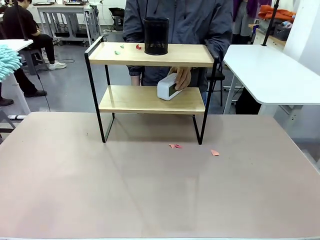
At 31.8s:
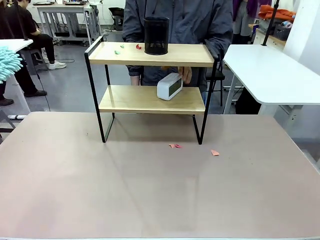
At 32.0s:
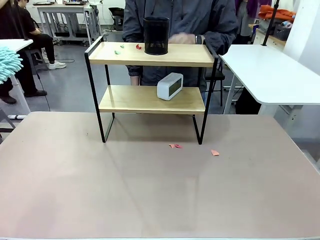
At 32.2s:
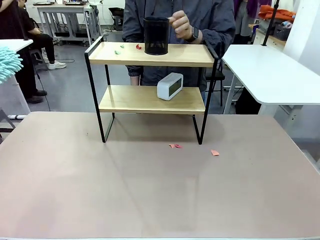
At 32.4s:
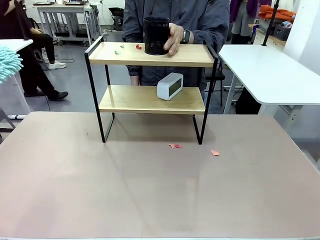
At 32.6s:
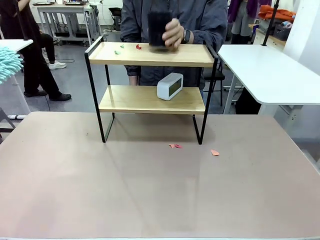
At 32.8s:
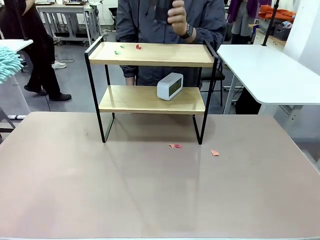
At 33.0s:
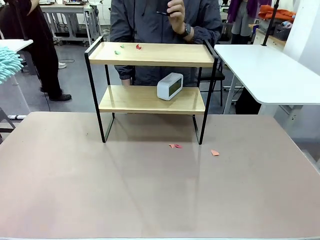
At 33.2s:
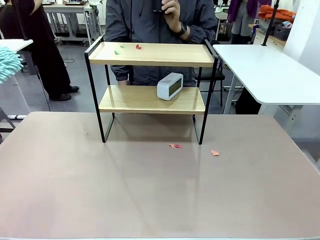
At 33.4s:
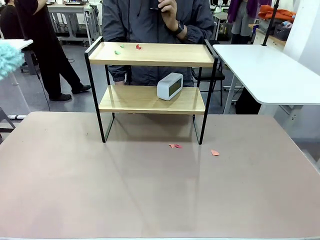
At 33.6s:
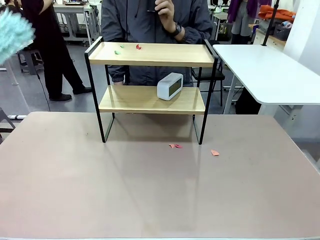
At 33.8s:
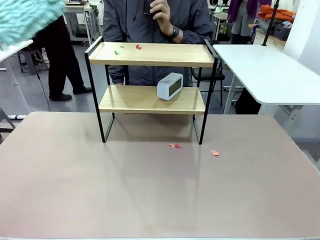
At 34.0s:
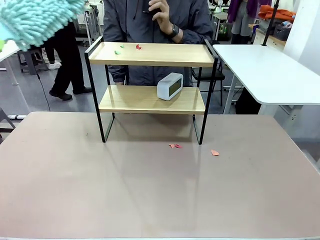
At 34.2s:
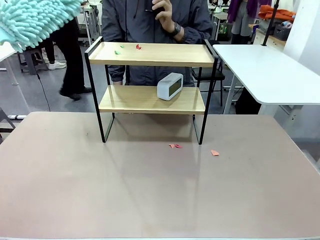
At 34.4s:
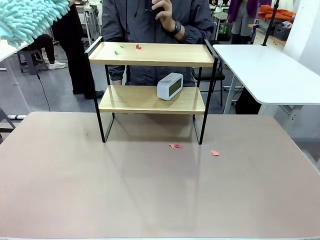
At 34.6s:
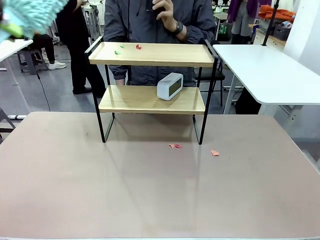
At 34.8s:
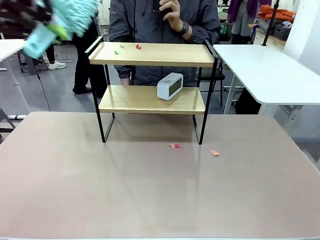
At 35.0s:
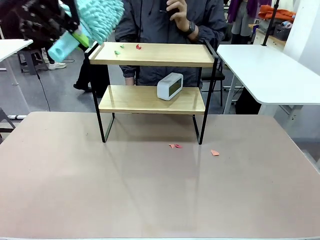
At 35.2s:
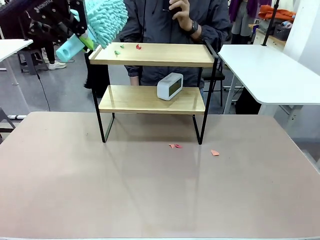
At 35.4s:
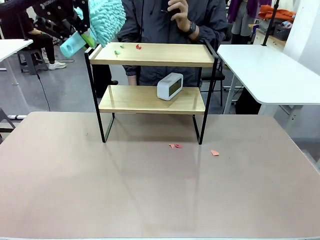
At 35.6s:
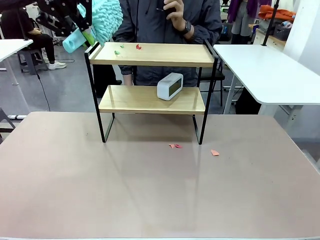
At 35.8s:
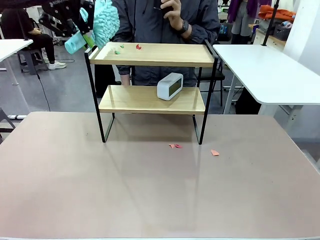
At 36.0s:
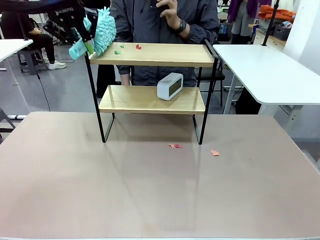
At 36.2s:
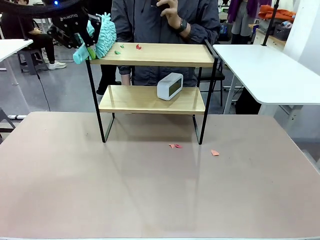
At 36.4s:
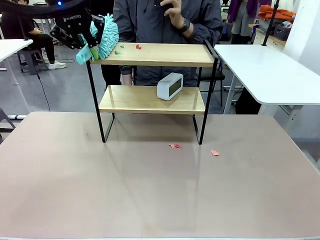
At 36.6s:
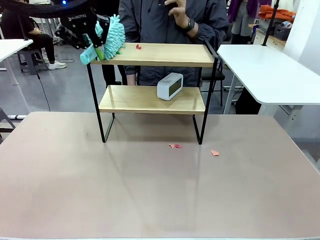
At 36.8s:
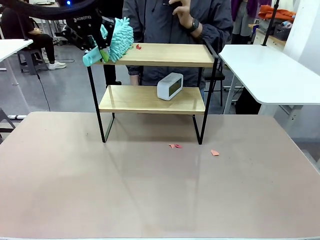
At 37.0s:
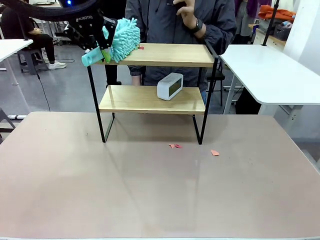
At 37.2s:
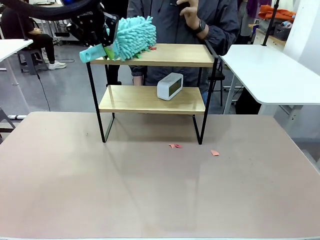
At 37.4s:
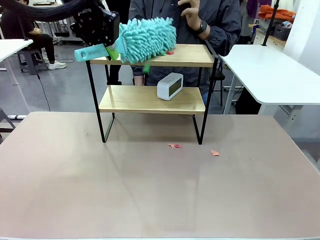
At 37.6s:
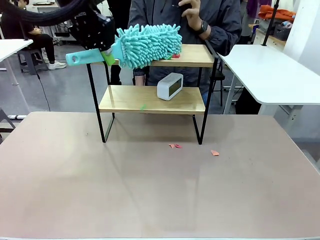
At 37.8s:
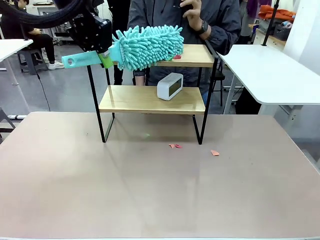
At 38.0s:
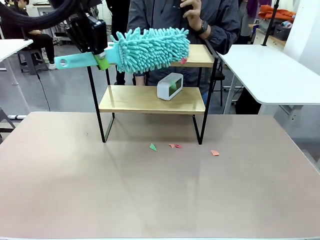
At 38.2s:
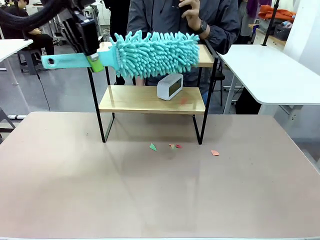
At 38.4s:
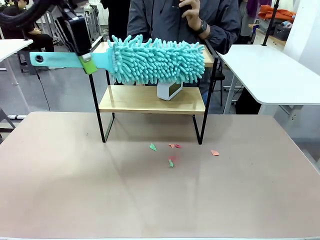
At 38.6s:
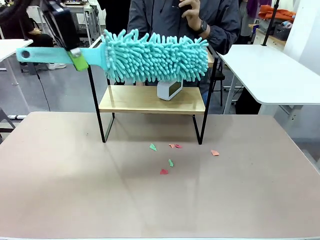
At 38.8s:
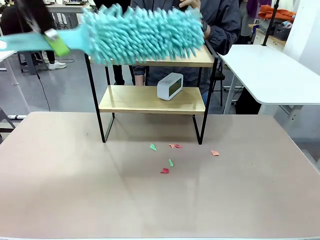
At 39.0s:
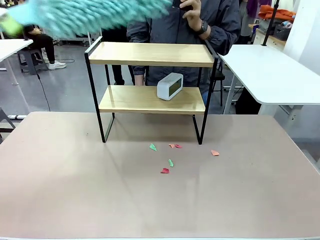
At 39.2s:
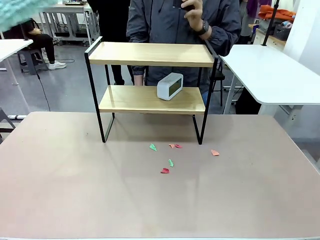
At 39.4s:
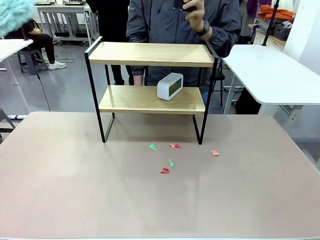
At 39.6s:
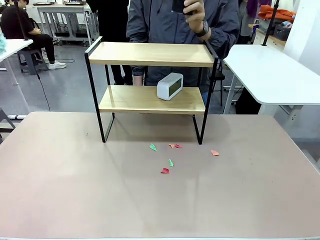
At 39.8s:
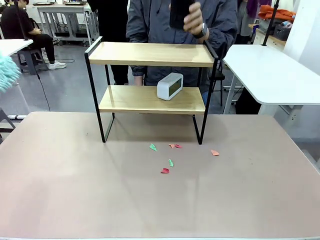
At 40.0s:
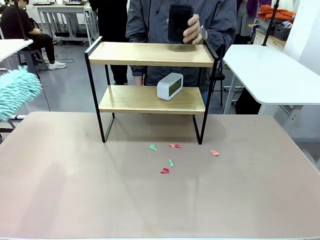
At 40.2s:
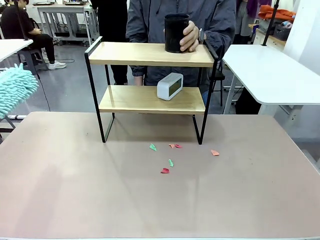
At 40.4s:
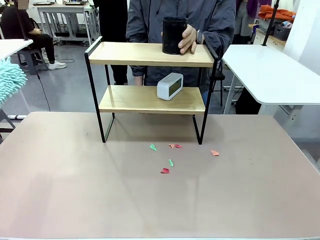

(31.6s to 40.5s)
Task: Clean the shelf.
Robot: Clean the remaining tier of the Shelf with the Duster once objects are removed.

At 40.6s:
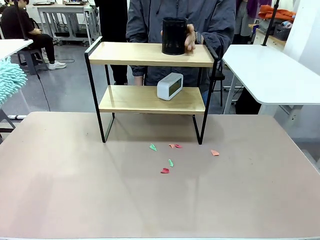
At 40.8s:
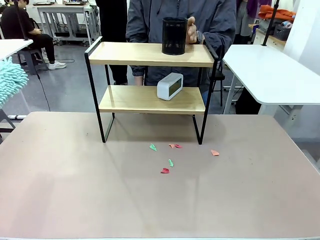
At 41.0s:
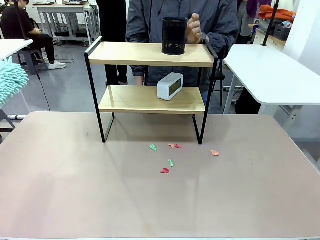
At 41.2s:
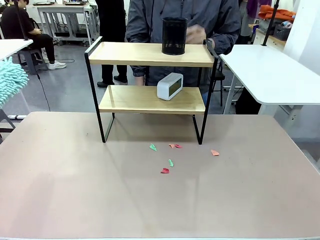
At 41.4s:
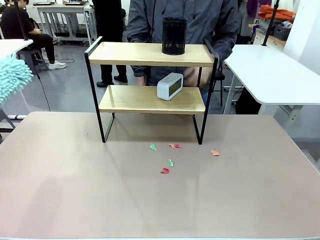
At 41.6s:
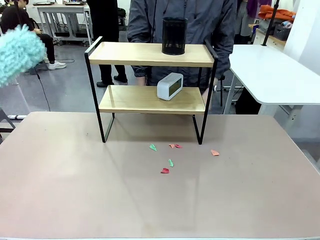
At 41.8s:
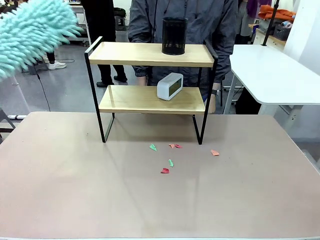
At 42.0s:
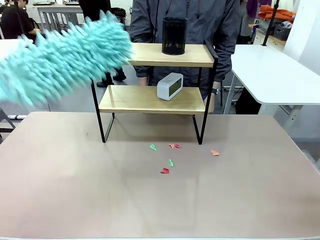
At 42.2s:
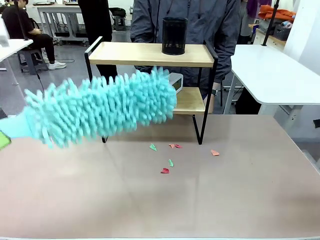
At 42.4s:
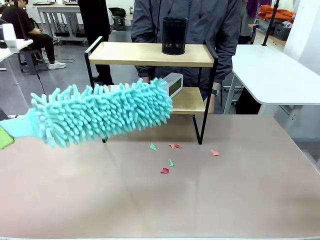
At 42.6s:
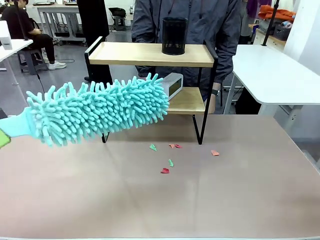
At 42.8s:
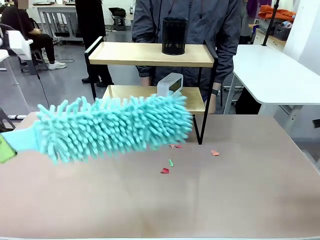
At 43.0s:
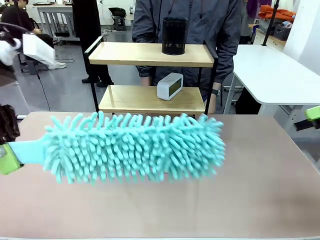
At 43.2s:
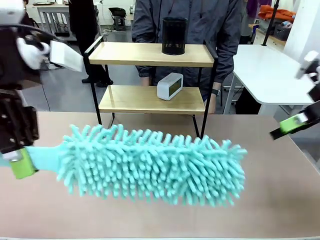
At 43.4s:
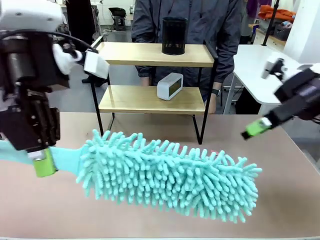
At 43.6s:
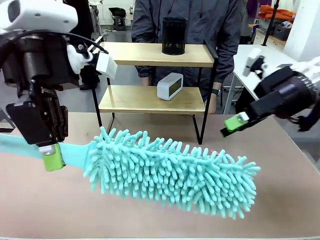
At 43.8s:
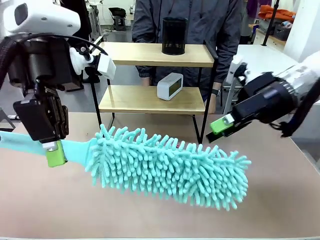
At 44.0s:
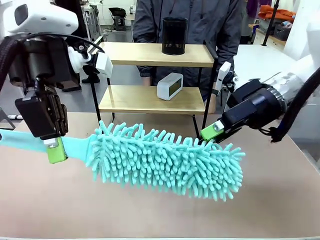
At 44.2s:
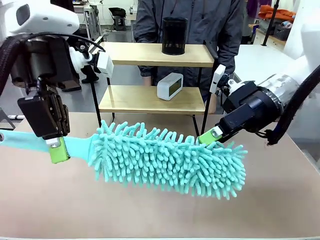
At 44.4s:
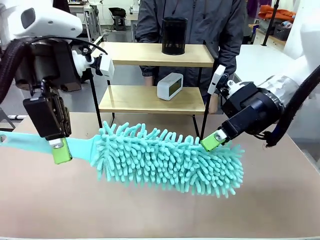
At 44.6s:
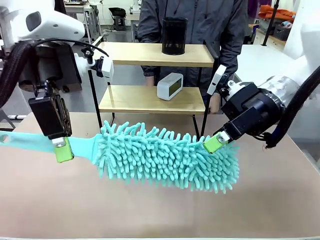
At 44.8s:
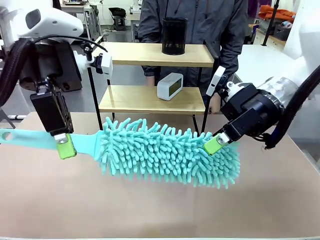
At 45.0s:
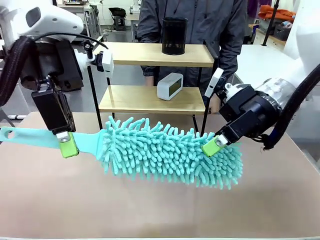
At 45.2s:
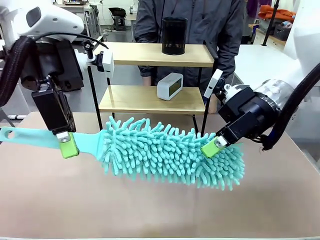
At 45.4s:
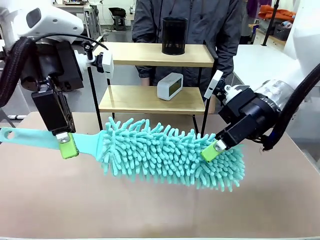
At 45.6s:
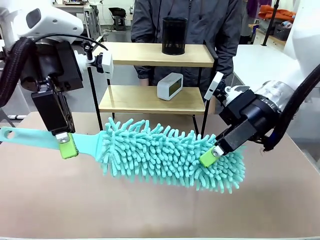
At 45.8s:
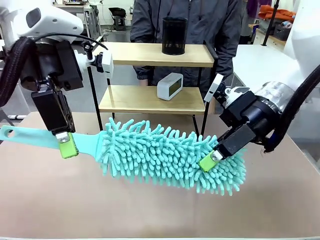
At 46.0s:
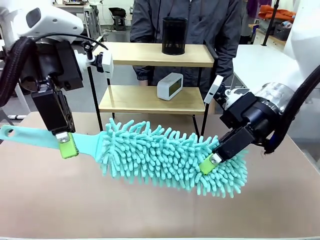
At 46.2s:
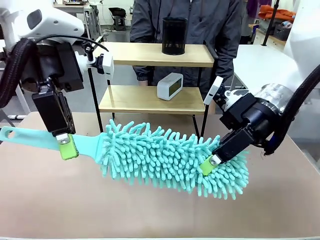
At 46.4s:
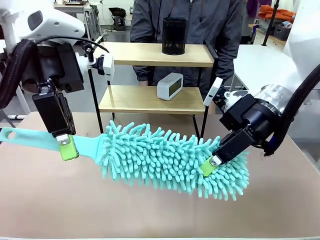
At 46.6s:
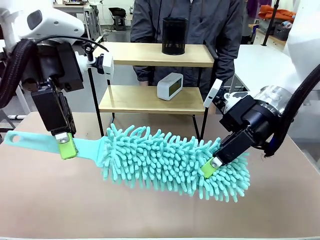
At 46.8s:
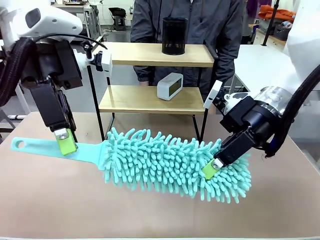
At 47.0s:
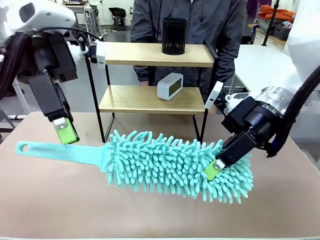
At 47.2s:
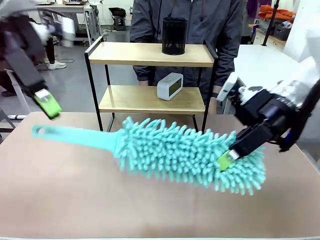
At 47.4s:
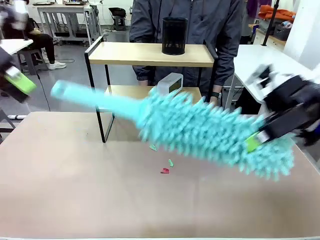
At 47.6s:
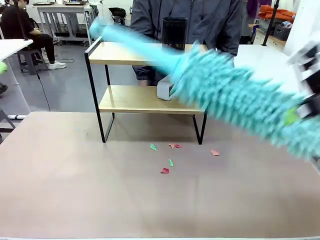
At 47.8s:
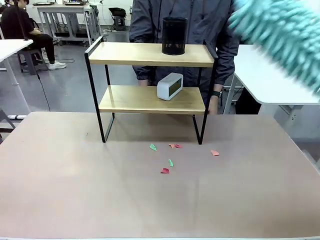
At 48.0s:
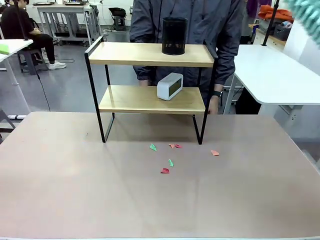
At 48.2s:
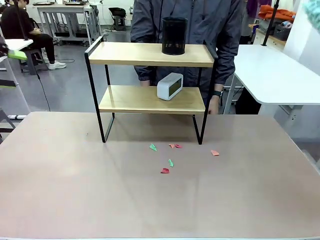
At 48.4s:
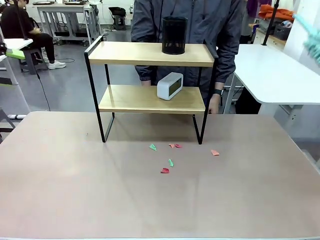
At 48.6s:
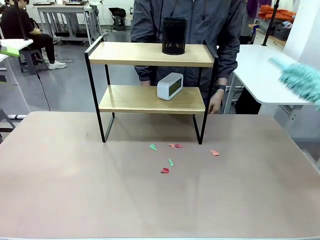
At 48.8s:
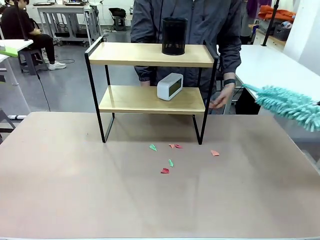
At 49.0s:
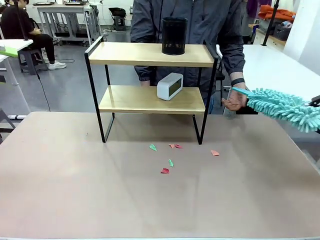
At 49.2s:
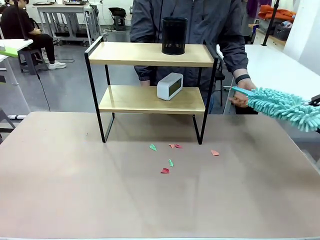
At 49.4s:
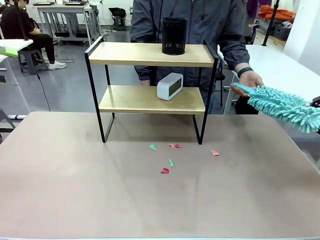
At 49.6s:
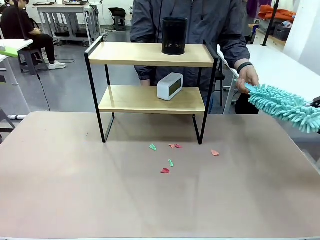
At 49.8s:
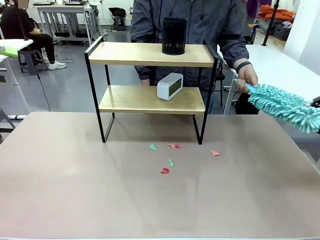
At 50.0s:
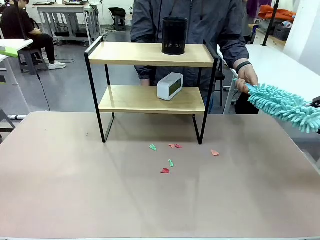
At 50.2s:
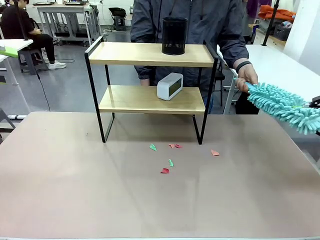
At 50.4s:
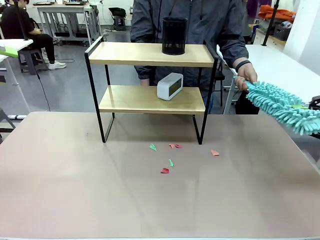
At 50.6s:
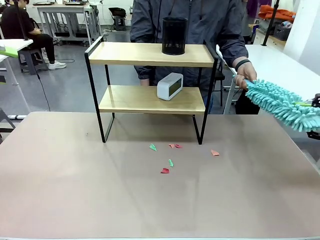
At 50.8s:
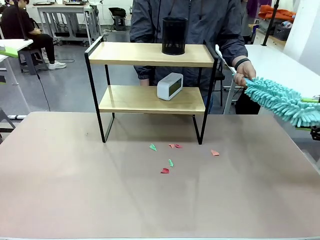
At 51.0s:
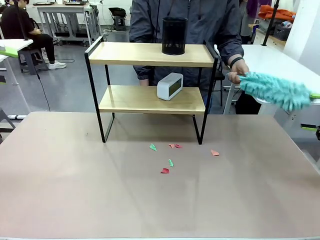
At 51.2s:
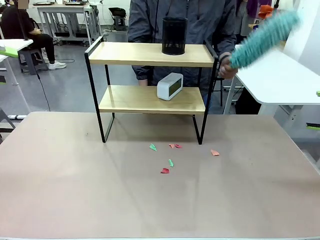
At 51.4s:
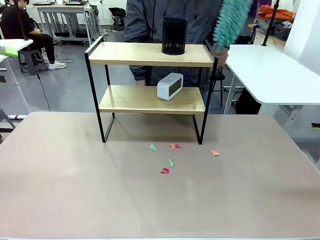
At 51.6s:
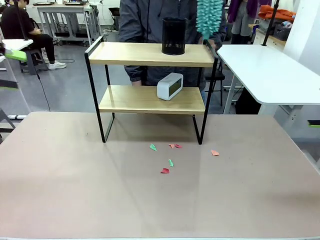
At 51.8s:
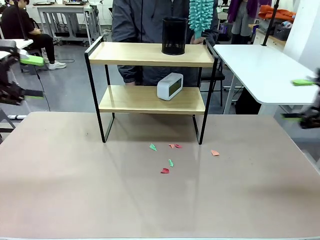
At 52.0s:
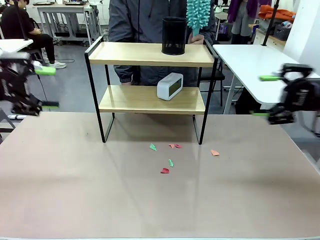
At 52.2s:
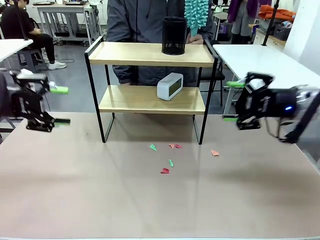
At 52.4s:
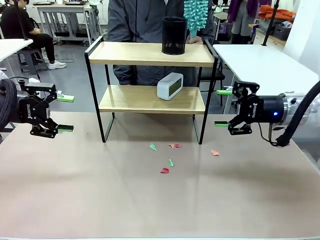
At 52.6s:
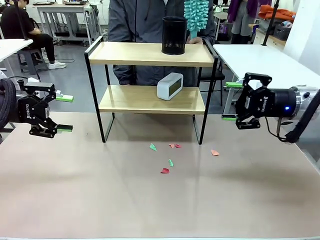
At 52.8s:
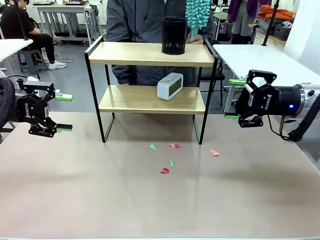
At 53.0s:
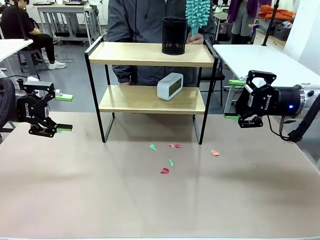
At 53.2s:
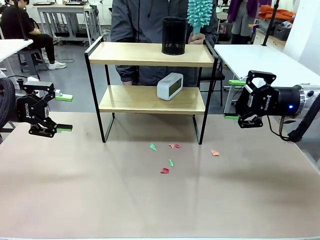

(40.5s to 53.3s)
Robot: Hand the Duster back to the human.
Person: Receive the Duster from the robot.
